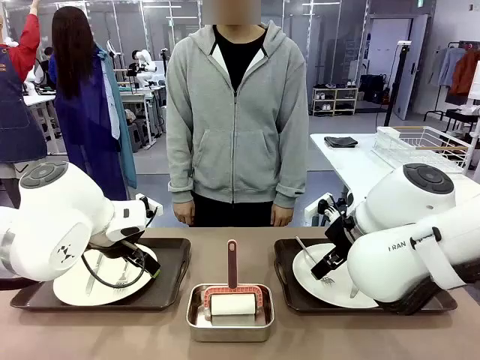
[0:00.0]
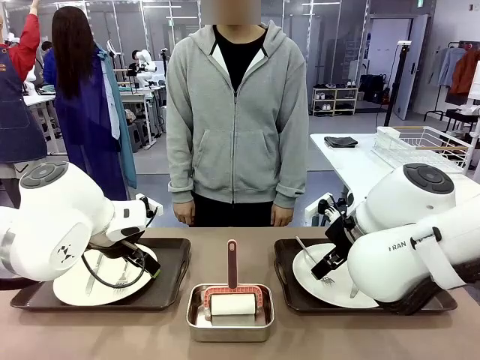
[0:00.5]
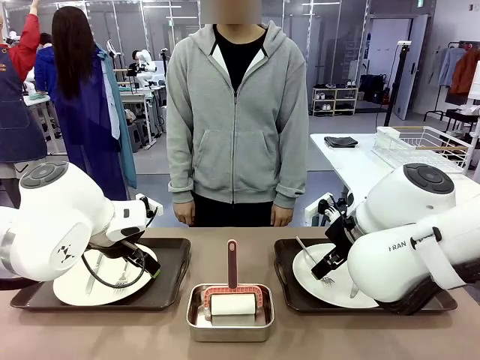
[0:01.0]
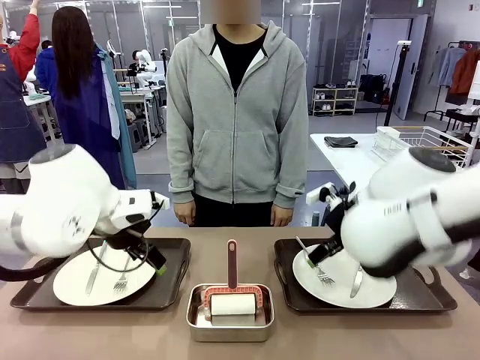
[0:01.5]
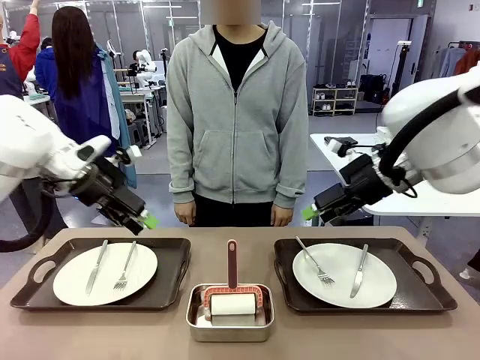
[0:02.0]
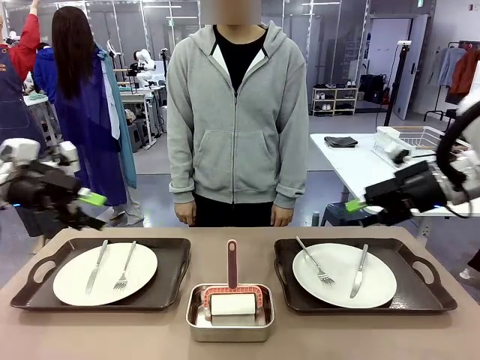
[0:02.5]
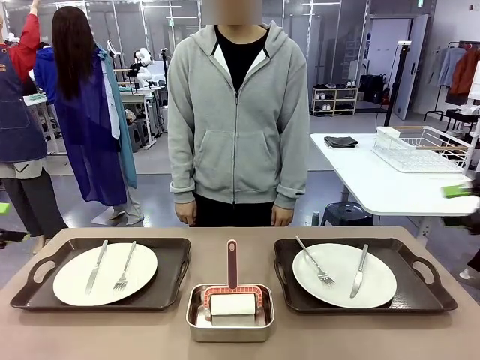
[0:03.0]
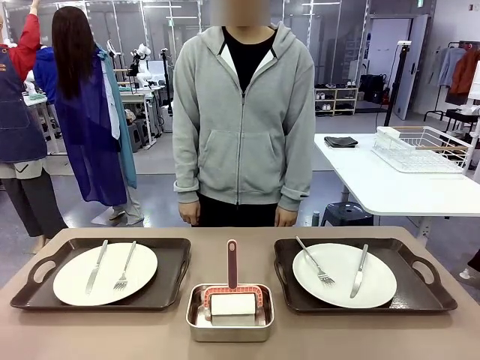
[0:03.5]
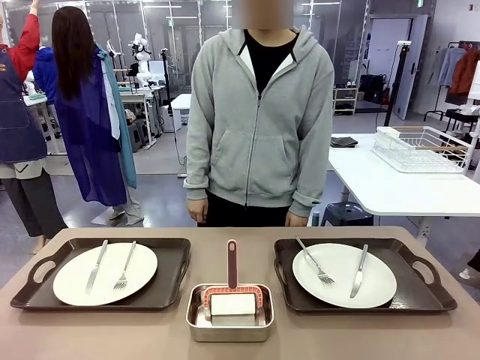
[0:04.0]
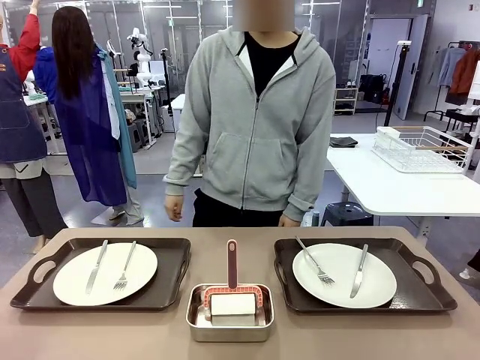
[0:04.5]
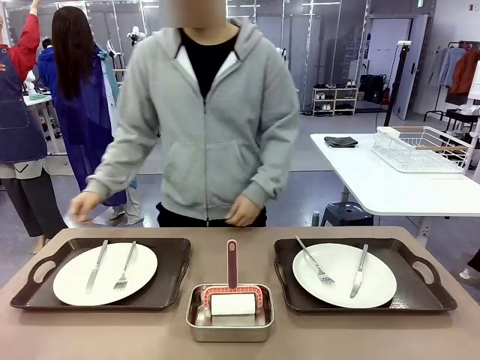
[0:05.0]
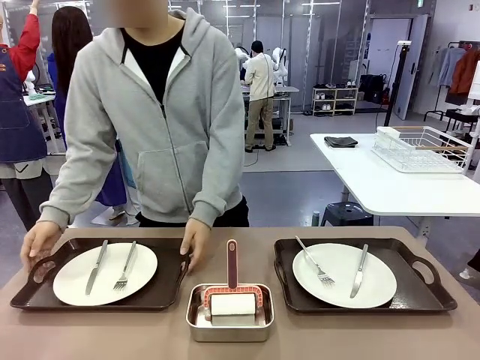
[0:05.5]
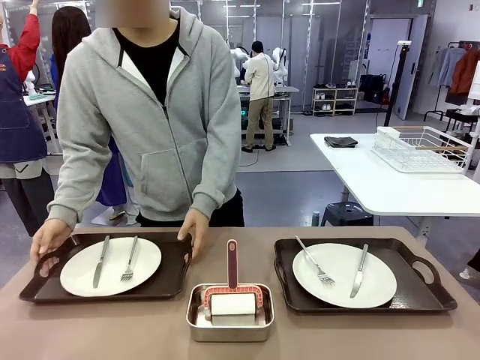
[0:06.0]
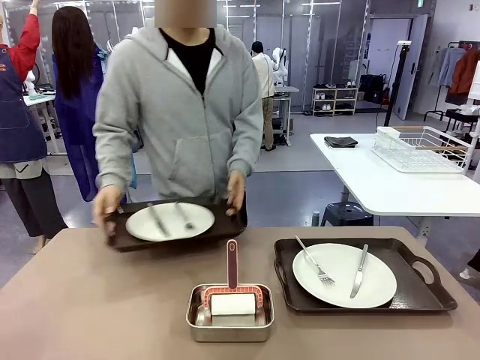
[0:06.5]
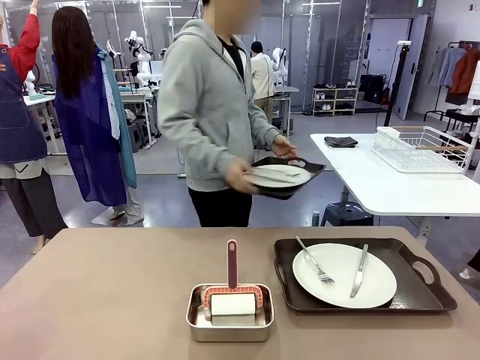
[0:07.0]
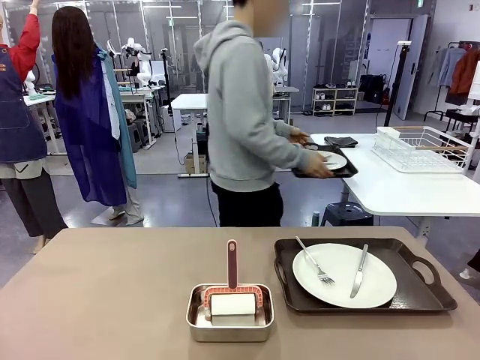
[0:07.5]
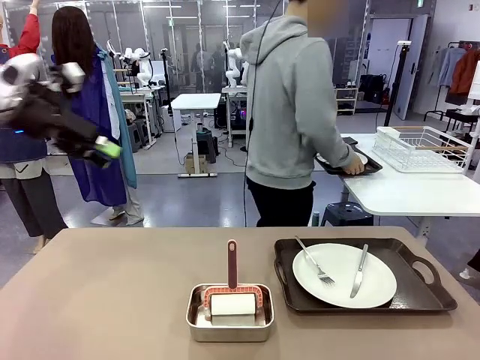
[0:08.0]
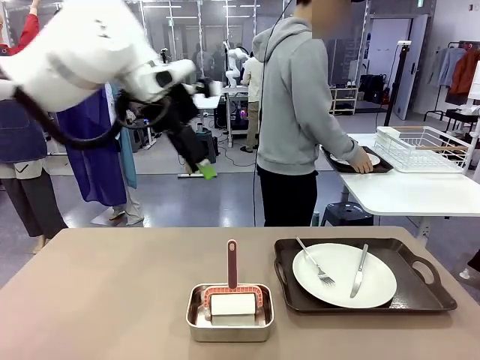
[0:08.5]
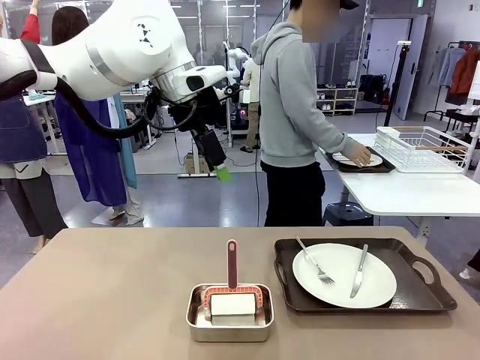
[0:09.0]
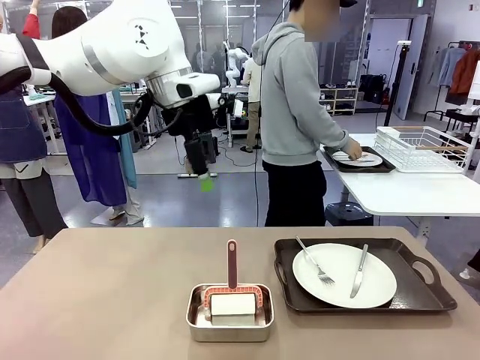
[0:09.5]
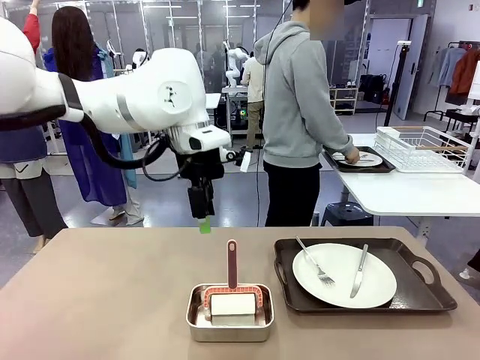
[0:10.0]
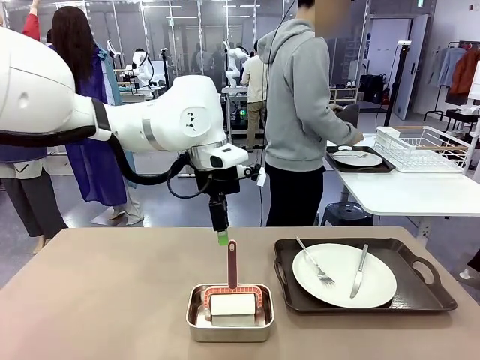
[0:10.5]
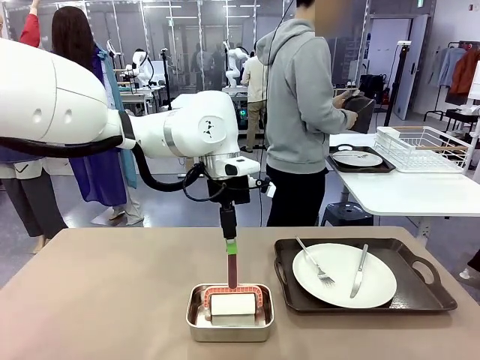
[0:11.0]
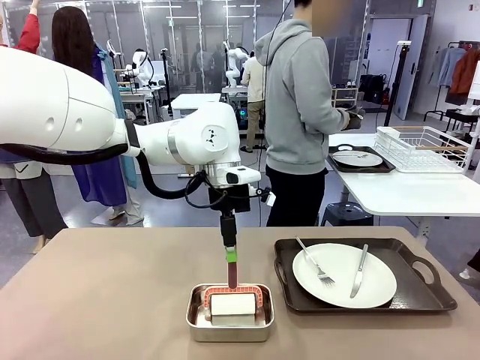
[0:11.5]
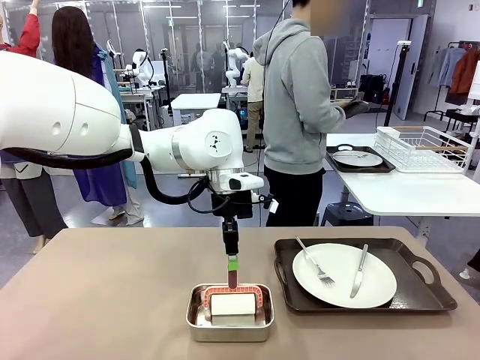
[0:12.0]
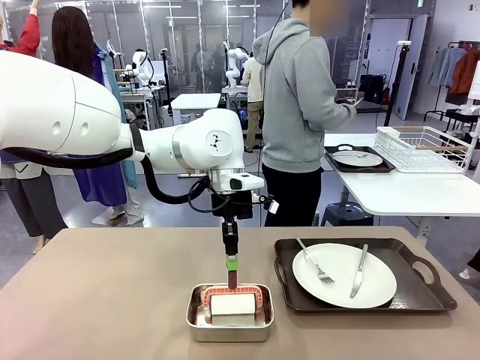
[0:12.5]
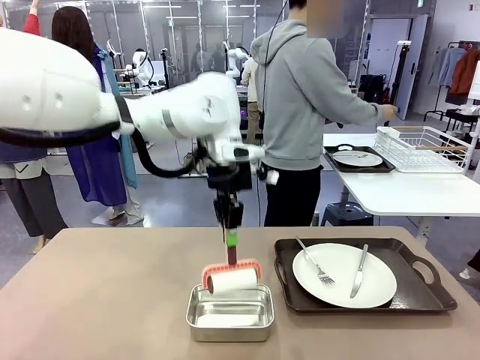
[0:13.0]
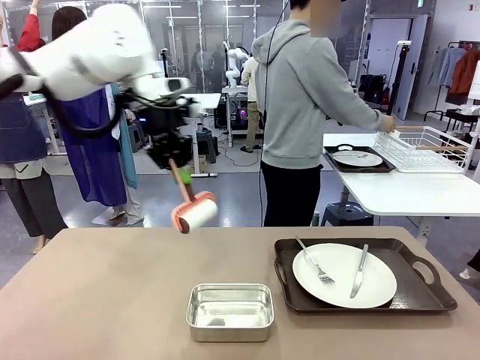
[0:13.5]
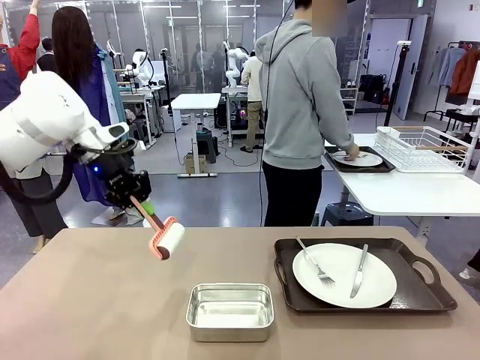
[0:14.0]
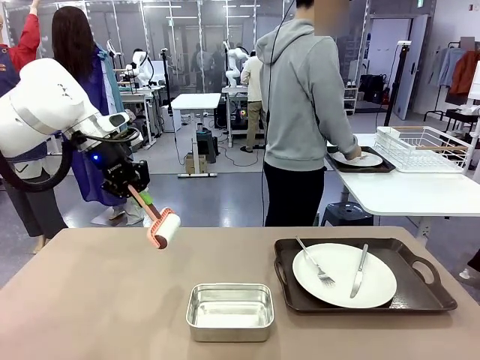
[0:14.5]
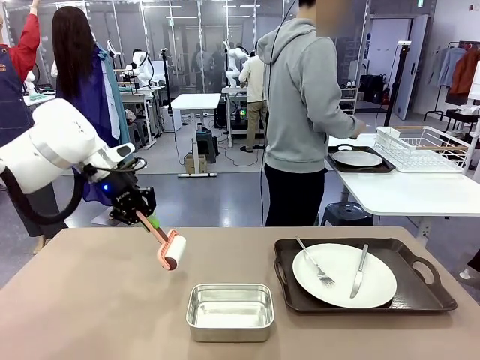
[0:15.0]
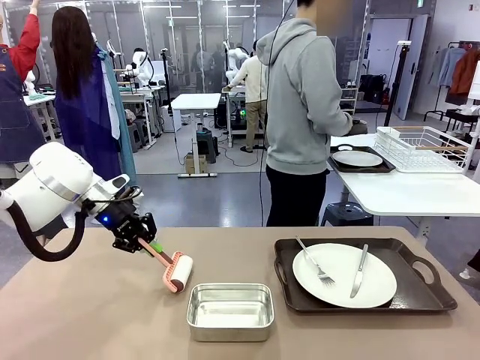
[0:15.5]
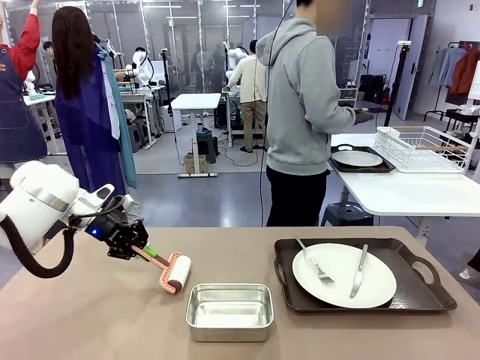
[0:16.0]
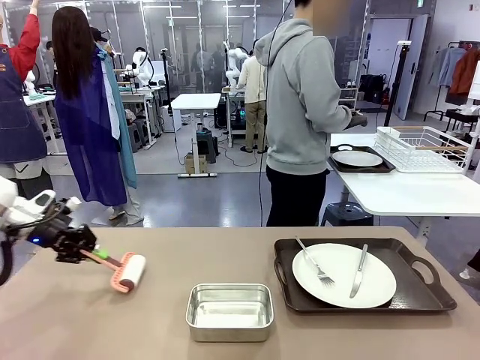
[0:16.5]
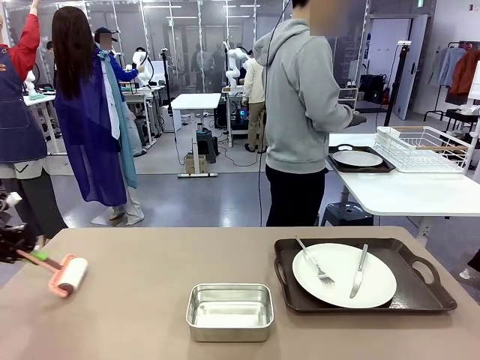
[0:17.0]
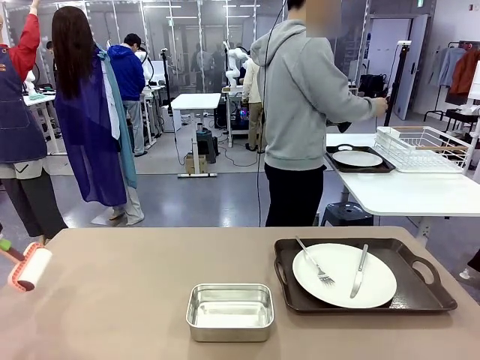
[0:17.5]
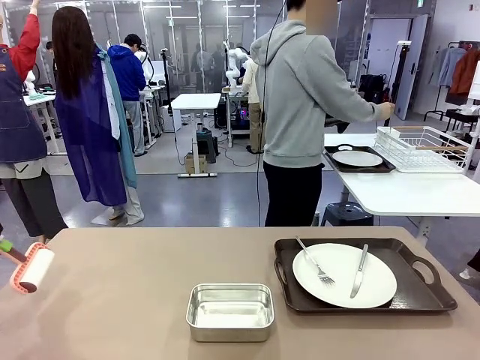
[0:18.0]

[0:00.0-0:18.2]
Robot: When the left (or right) Handle tray is removed, use the left hand (or right hand) to clean the left (or right) side of the table with the Lint Roller.
Person: Pick up the left (or right) Handle tray and place it on the middle of the Human's table. Use the Towel with hook to wipe the Plastic Matte Plate , Fork , and Knife and place into the Dish drying rack.

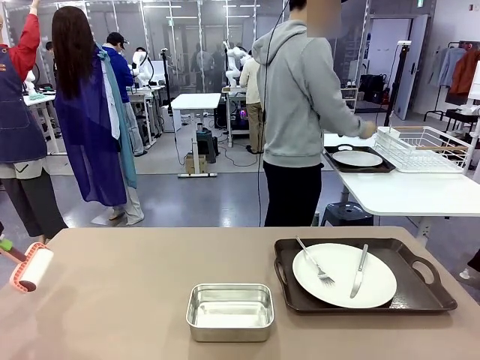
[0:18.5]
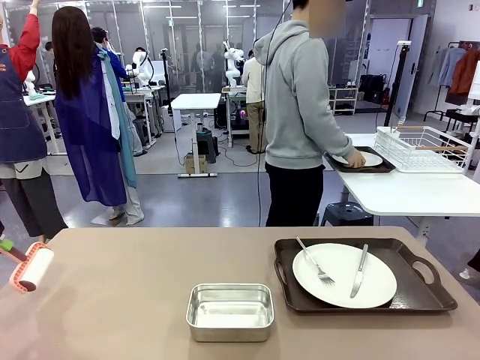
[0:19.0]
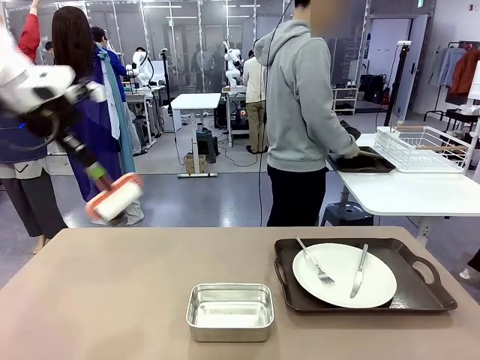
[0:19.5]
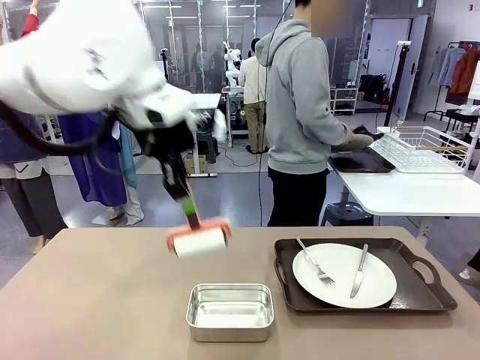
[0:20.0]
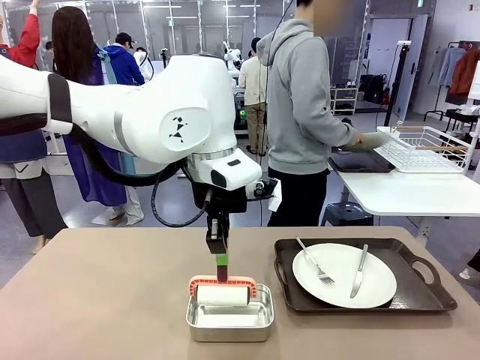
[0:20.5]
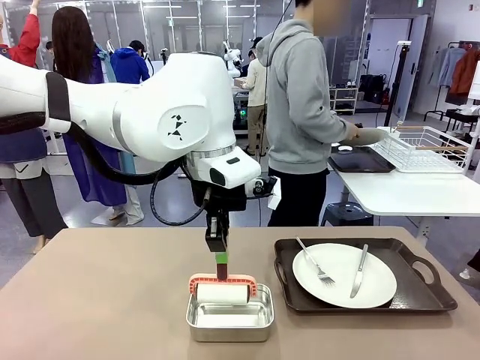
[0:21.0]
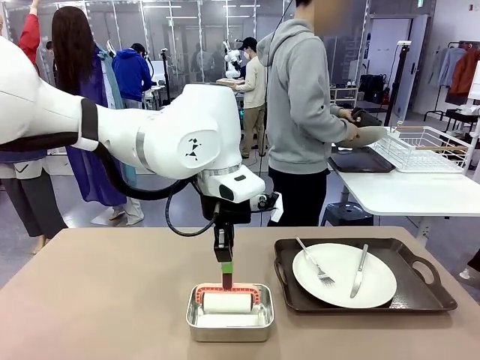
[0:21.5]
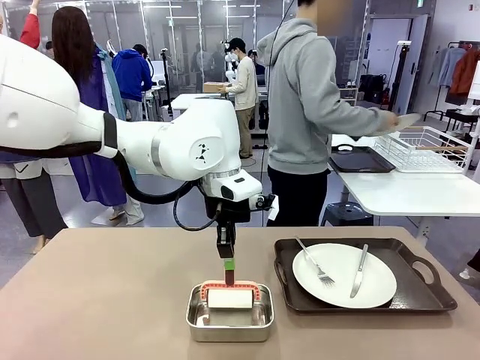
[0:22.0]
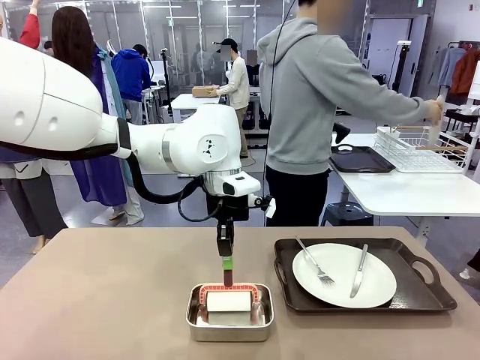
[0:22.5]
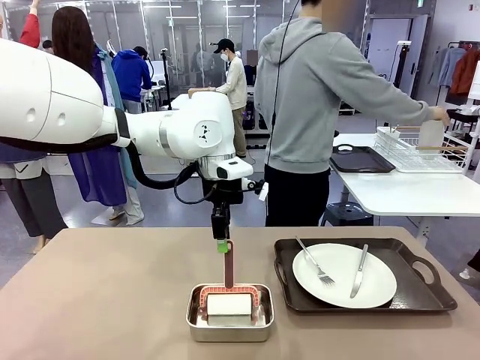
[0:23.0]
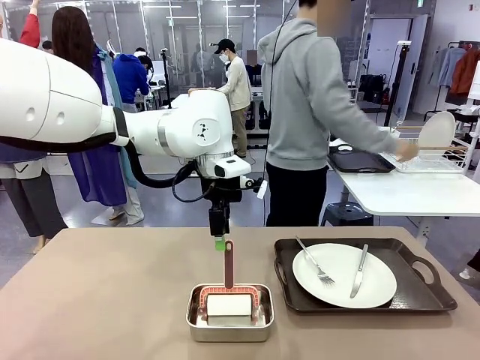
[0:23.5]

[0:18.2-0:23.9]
Robot: Place the Lint Roller back on top of the Airtight Container.
